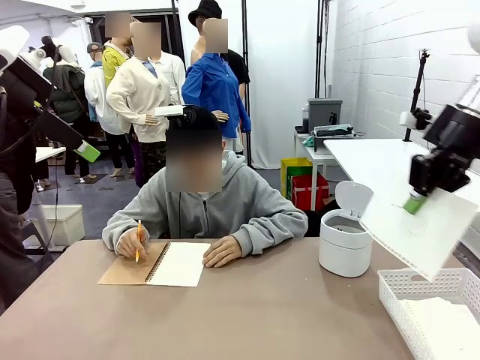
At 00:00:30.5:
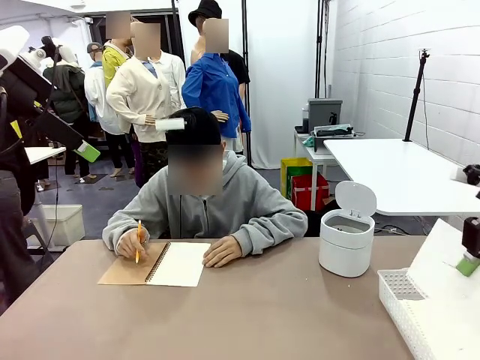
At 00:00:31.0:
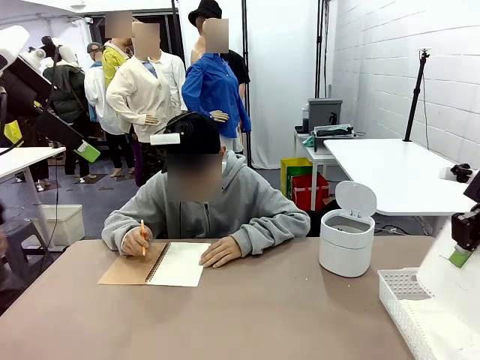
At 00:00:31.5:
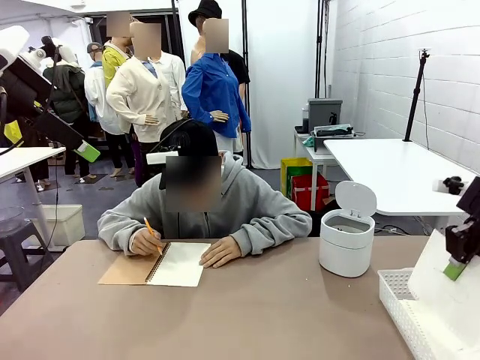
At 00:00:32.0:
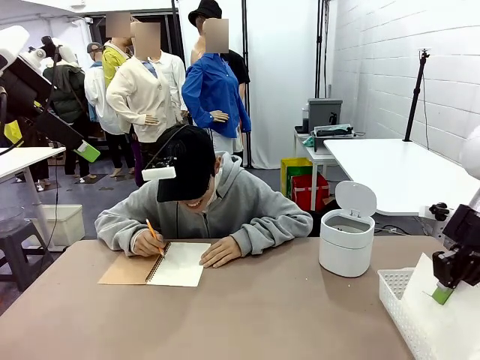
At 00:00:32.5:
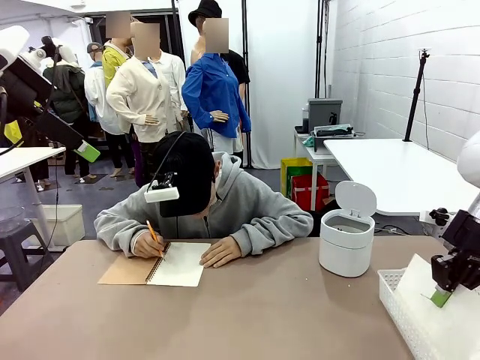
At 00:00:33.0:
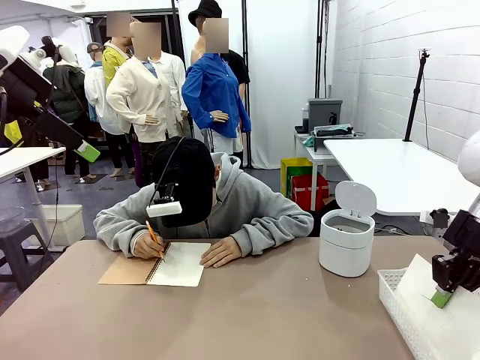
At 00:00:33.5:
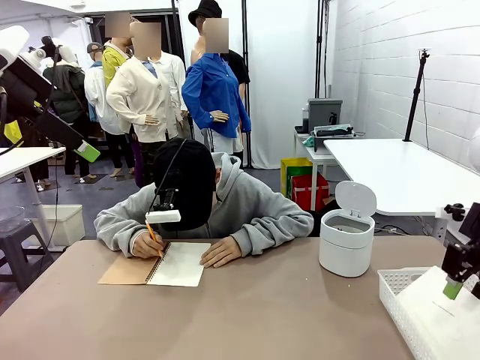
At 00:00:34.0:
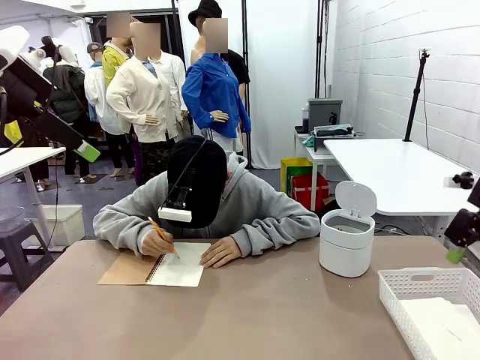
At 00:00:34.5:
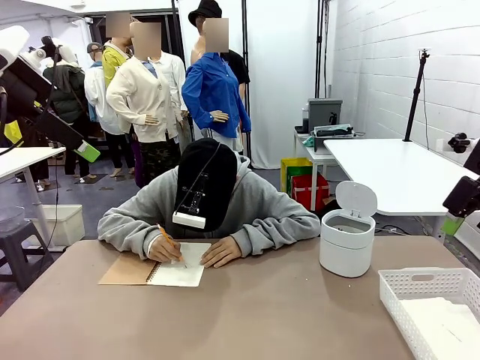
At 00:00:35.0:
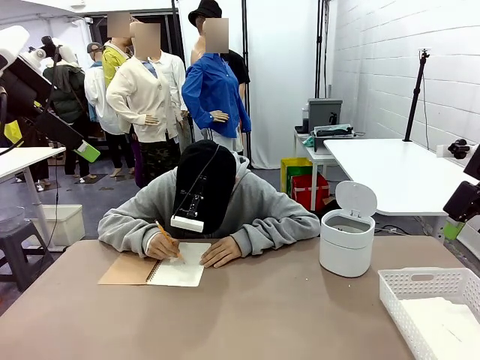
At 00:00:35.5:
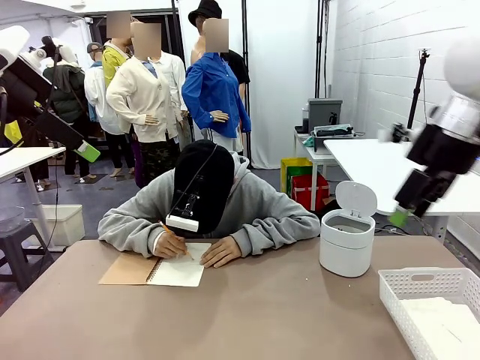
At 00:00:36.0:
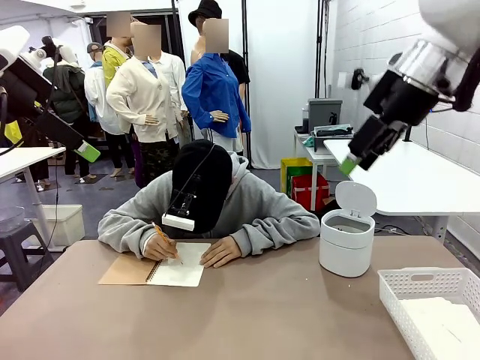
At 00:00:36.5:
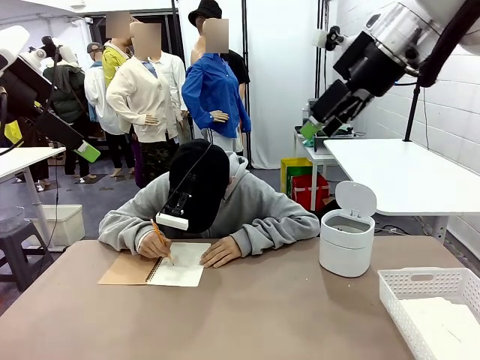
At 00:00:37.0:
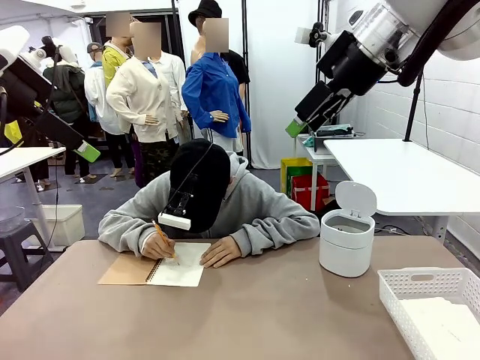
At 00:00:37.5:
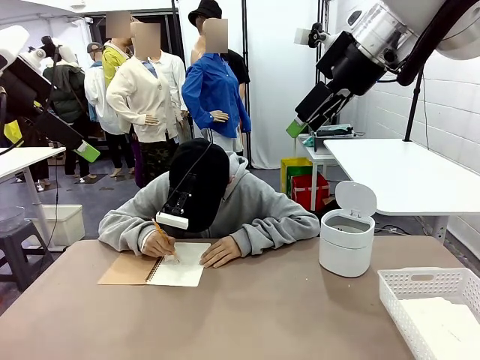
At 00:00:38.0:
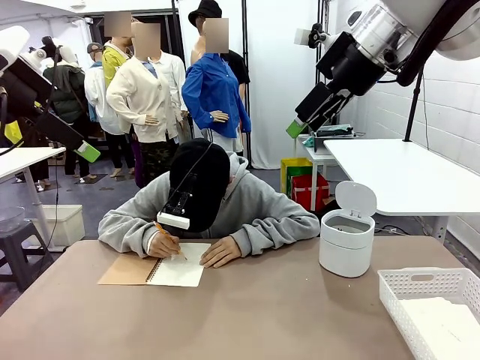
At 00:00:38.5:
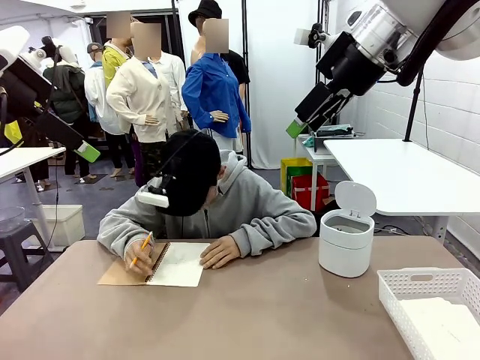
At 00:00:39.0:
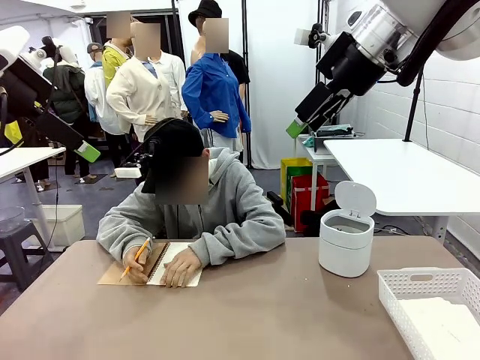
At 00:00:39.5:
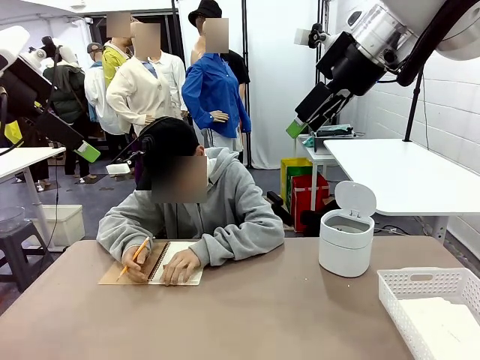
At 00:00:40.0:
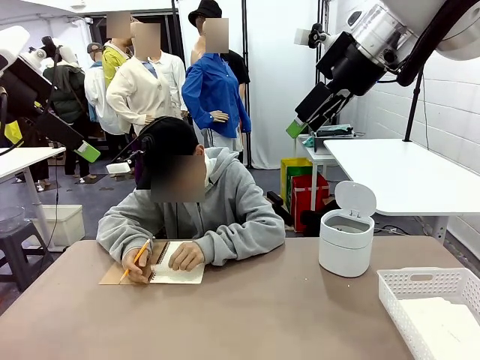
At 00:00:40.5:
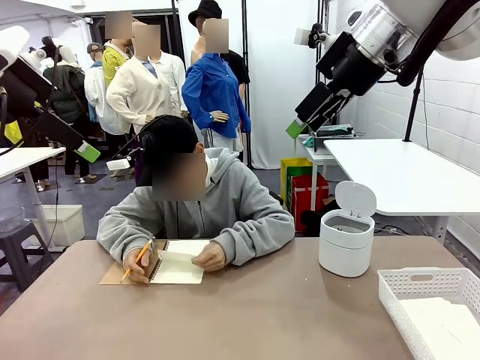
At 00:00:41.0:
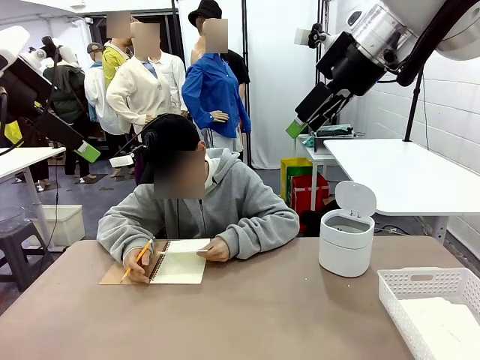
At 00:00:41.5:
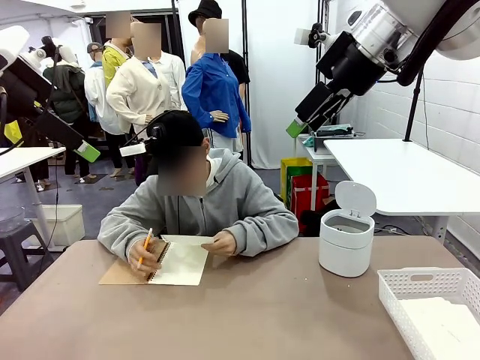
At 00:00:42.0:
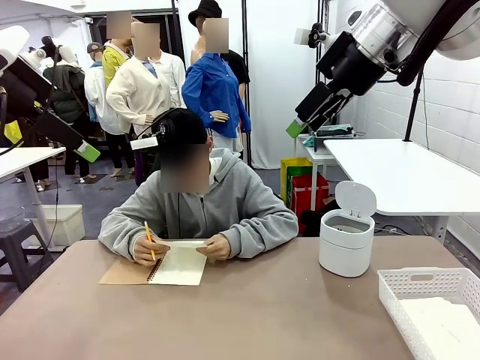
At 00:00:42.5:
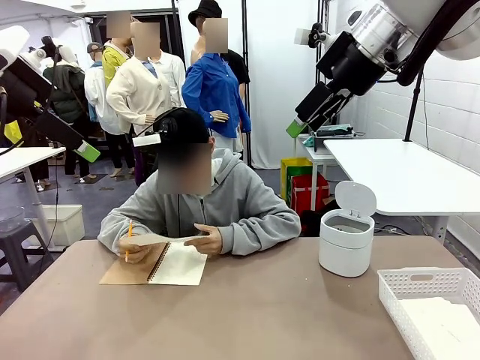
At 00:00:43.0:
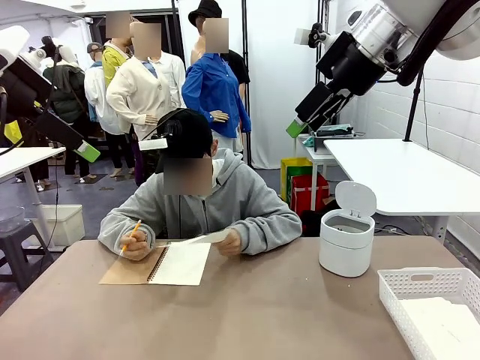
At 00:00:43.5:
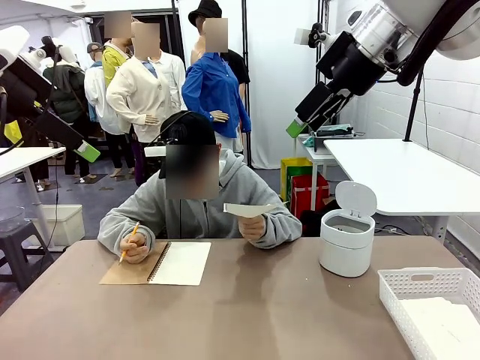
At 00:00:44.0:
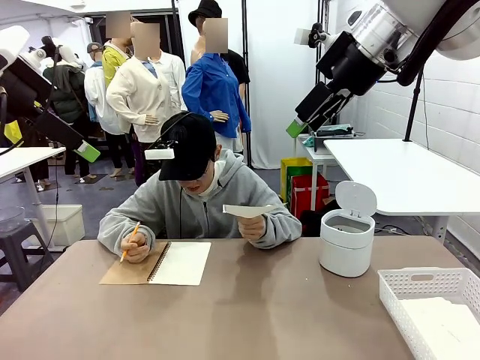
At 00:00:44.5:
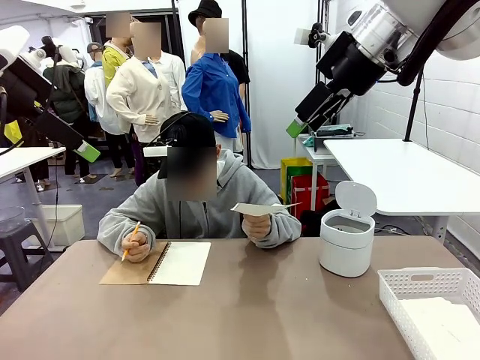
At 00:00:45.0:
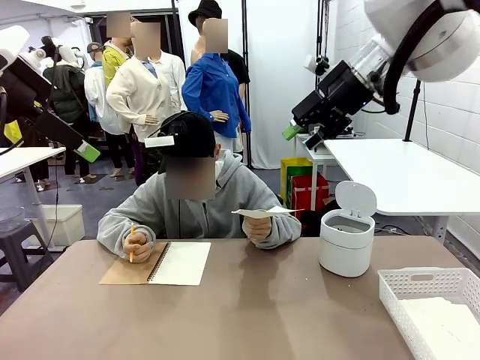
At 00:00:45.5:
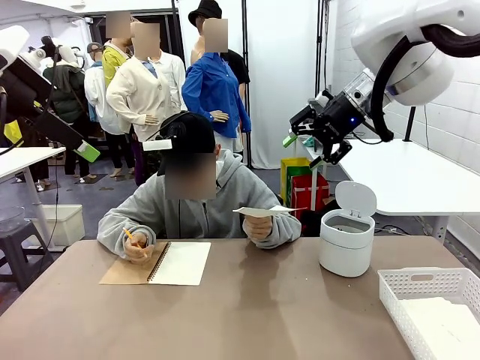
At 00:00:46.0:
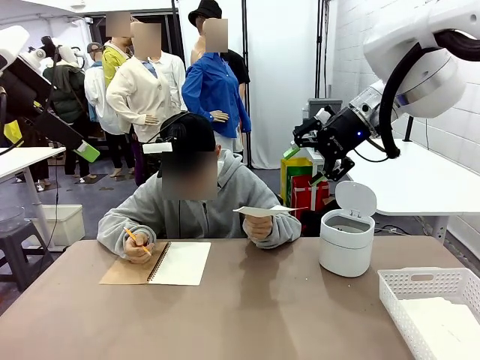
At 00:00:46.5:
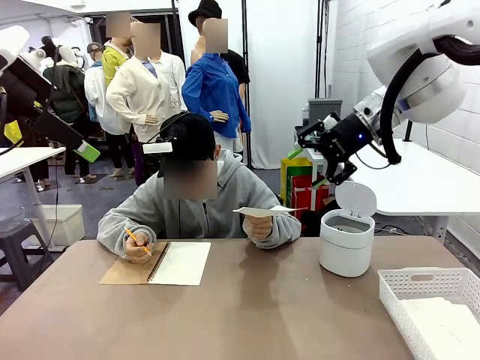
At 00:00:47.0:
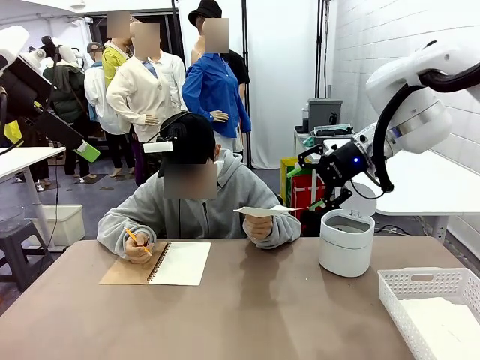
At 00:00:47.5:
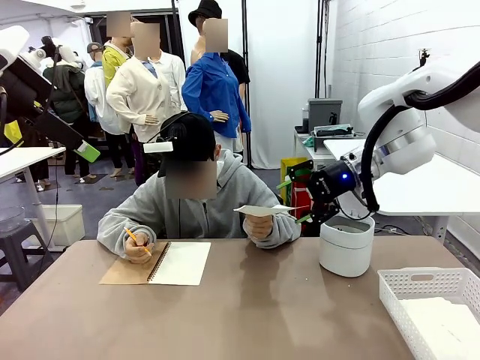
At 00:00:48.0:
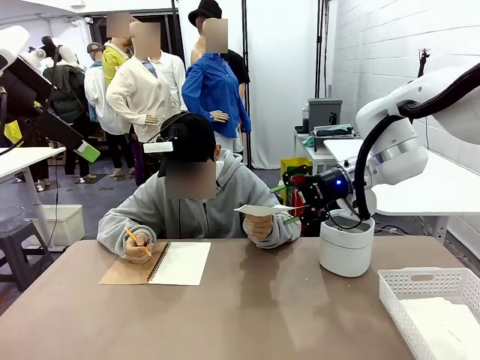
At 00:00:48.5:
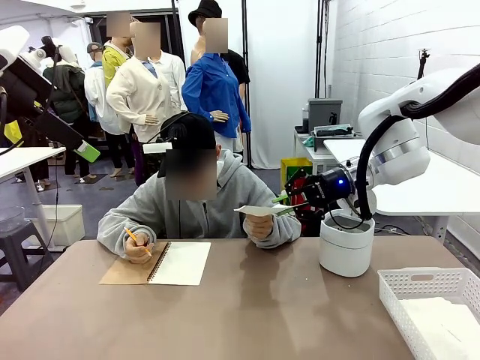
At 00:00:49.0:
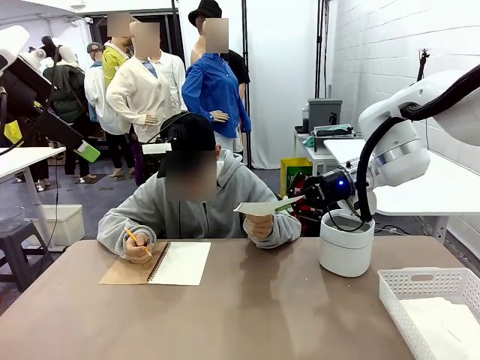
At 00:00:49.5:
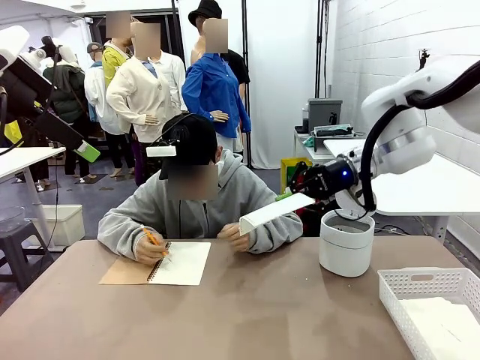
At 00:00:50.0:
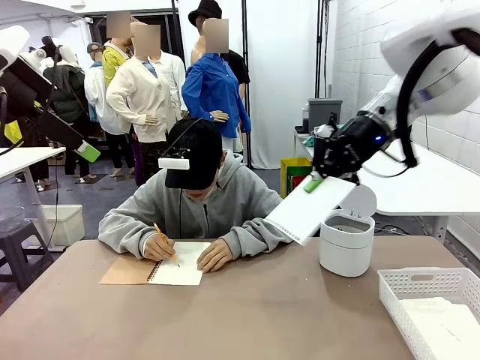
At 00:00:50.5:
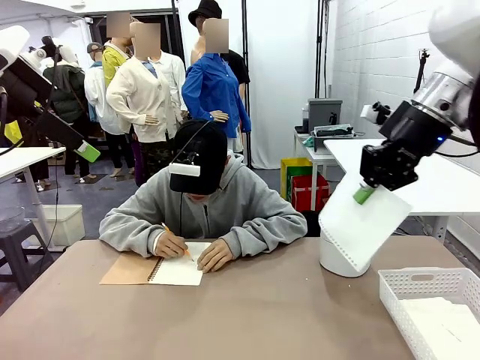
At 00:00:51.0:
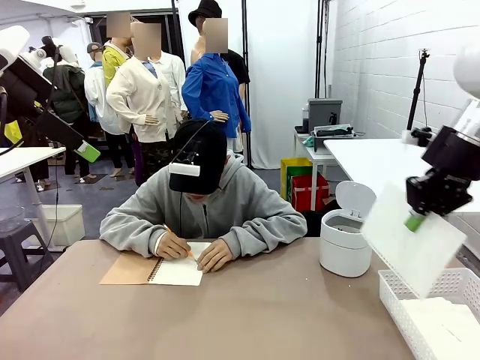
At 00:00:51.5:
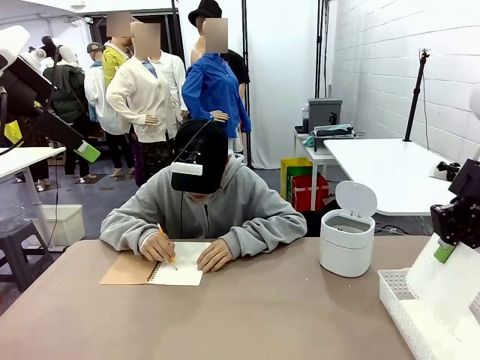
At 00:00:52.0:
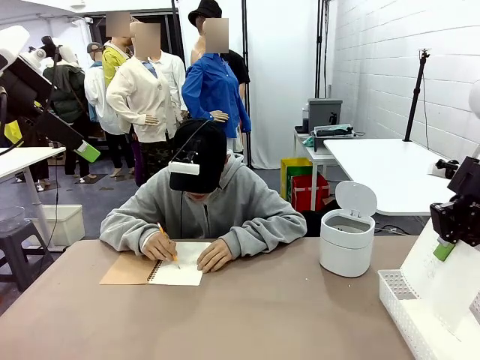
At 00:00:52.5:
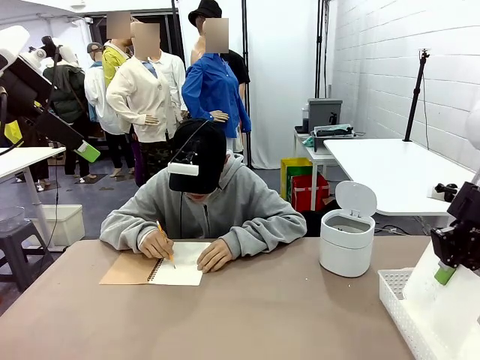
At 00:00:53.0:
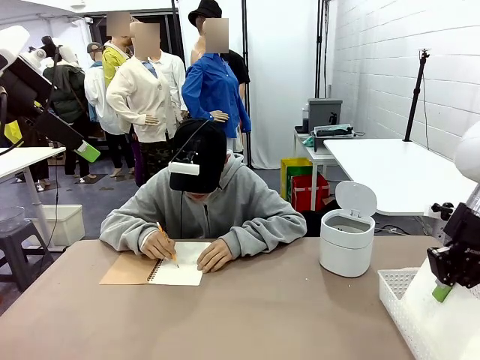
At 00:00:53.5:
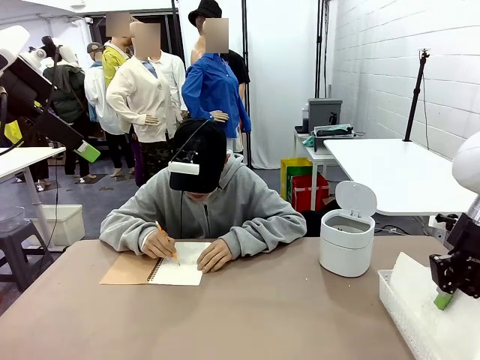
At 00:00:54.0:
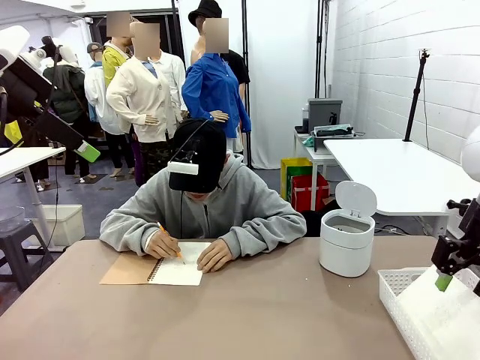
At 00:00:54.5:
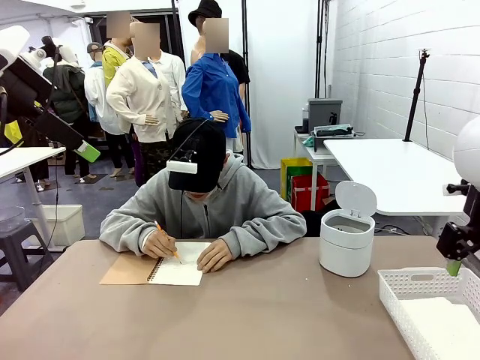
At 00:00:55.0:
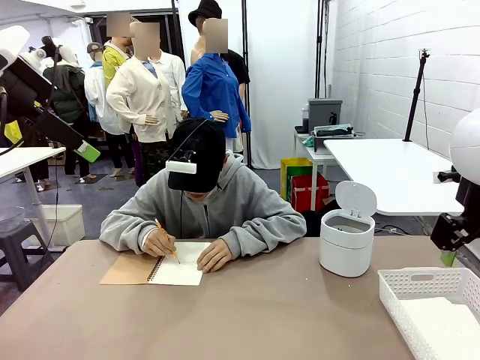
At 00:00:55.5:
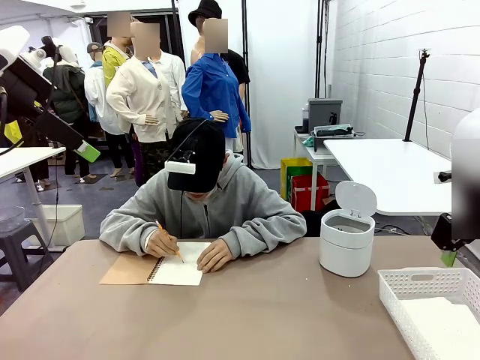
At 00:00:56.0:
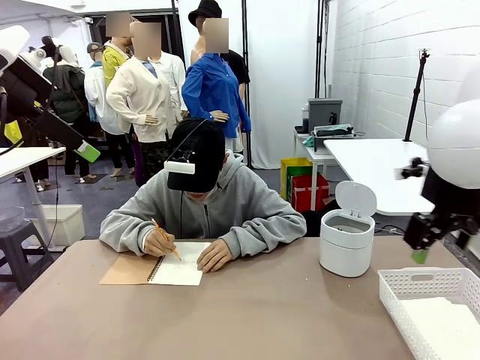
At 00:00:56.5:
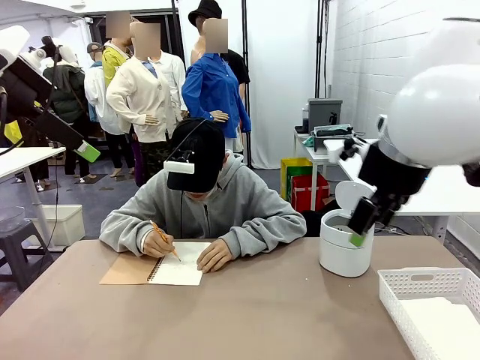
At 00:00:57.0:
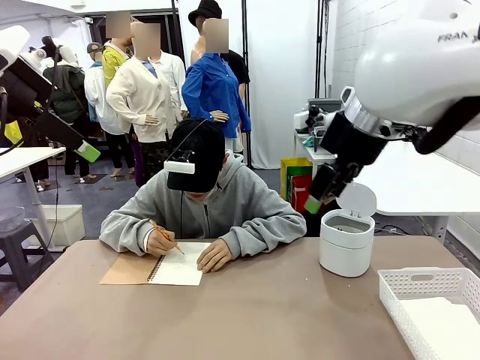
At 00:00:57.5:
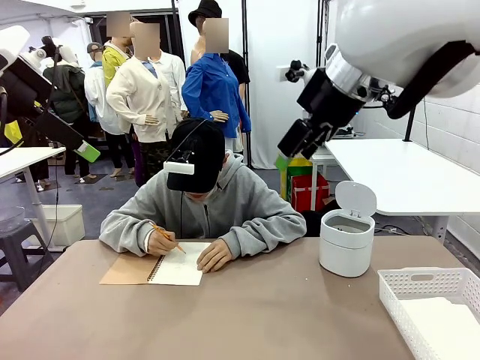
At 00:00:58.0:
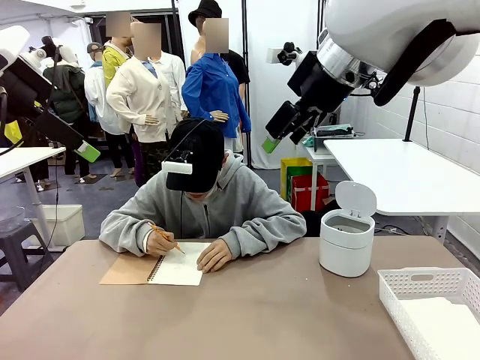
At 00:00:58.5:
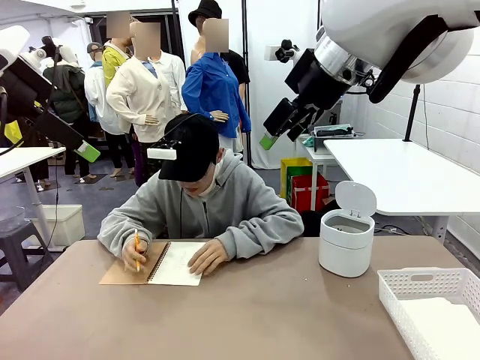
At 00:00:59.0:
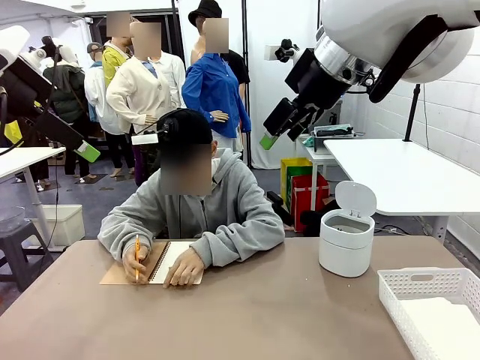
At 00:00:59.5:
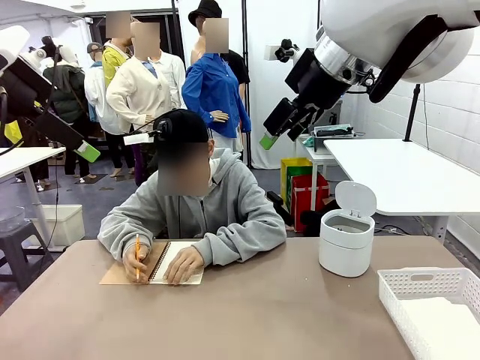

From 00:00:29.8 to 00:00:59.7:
Task: Sort the paper based on its condition.
Robot: If a person hands you a paper, place it in the Organizing basket , and if it's crumpled, put it in the Trash can.
Person: Tear out a page from the spiral notebook. Hand the torn page to the robot or crumple it and throw it to the center of the table. Tear out a page from the spiral notebook.
